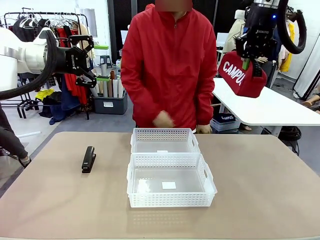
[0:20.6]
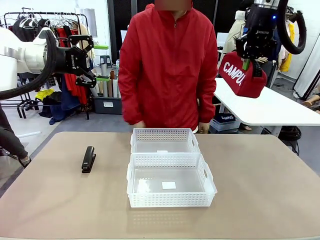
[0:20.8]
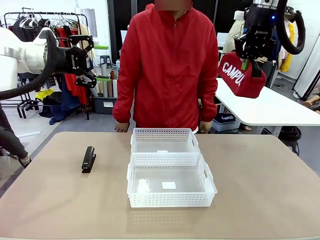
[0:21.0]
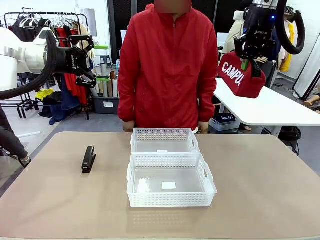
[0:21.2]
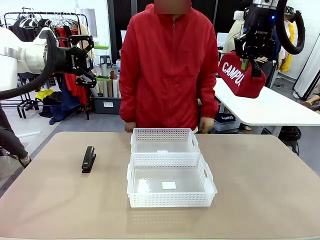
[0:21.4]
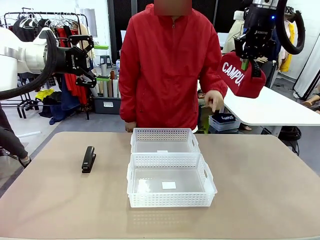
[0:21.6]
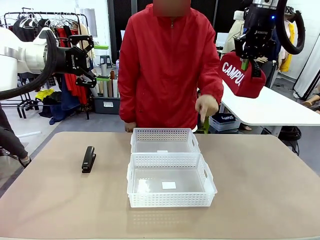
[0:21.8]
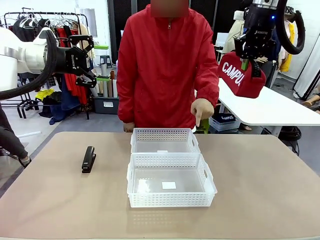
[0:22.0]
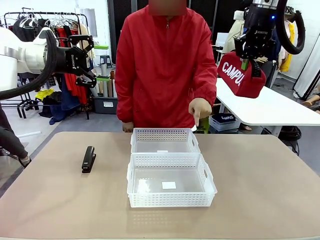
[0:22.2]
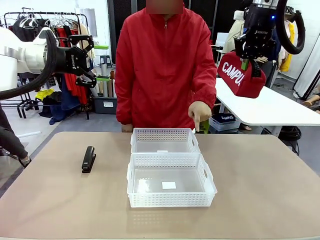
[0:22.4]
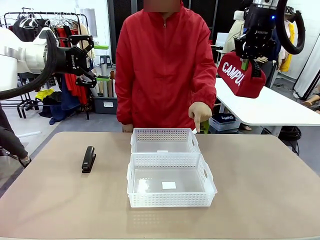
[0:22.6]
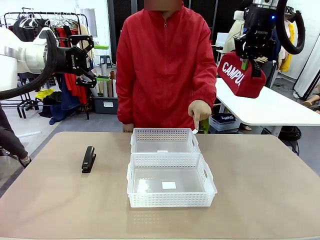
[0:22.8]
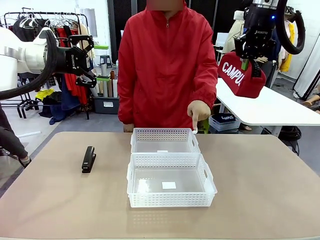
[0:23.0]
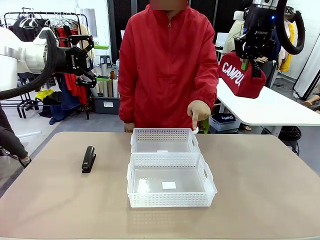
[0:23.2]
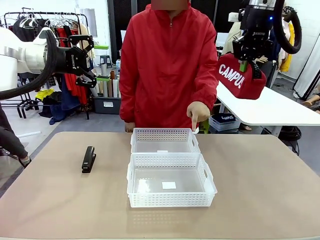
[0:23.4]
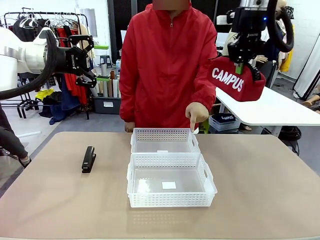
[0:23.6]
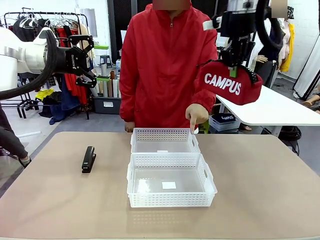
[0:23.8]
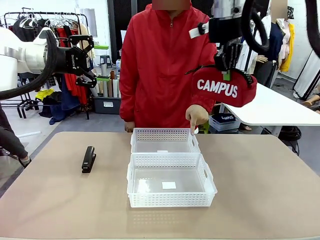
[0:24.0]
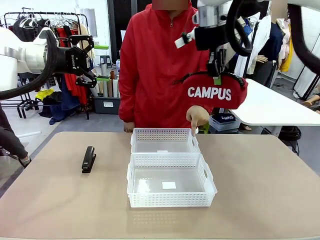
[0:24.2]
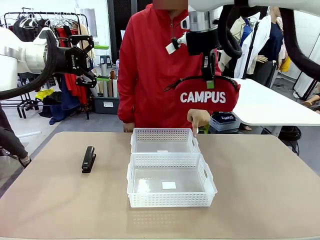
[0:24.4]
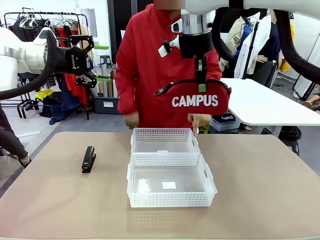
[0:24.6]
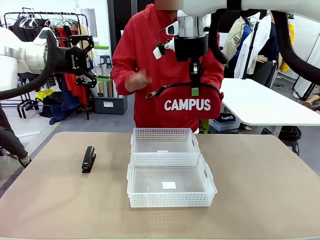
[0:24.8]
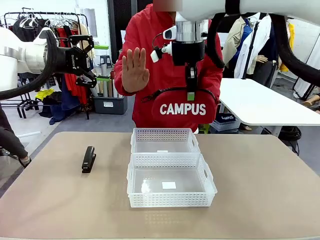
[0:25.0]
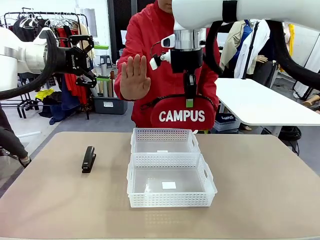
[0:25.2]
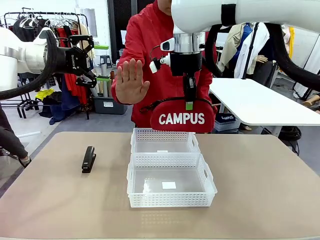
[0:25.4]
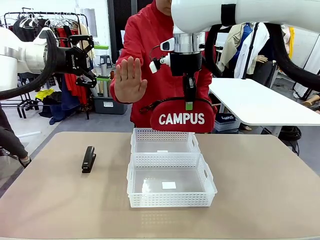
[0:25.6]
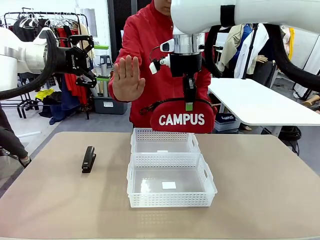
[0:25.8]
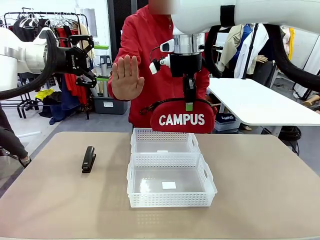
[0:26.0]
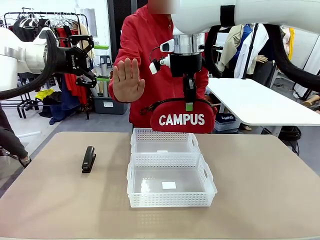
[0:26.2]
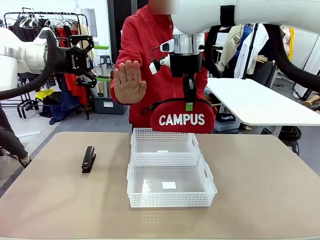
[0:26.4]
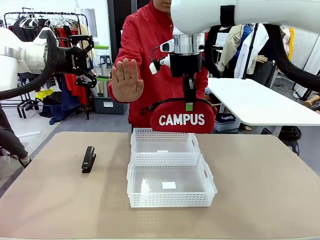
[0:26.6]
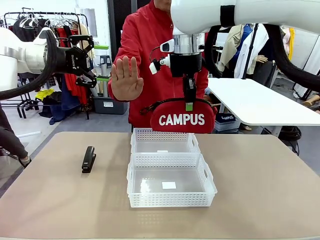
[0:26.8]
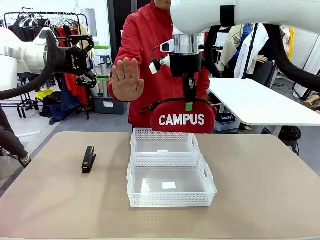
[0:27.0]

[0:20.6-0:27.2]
Task: Distribute items into two baskets.
Robot: Move the picked Pencil pouch towards the Organizing basket indicated by the person, stopping as directed.
Person: Sends a stop gesture before the robot places the pencil case into the basket.

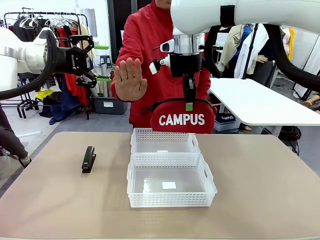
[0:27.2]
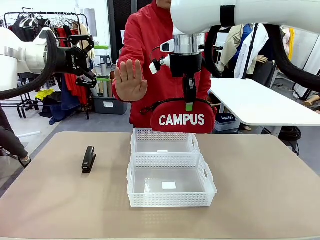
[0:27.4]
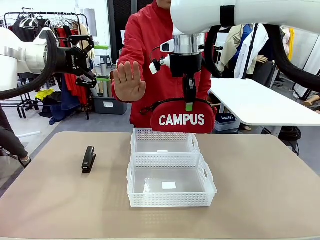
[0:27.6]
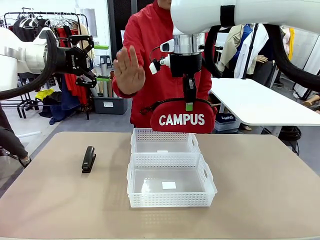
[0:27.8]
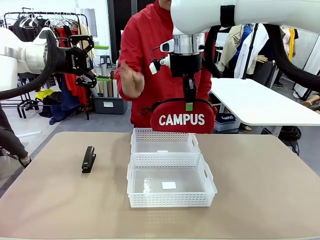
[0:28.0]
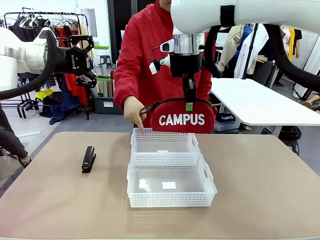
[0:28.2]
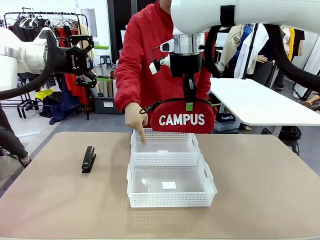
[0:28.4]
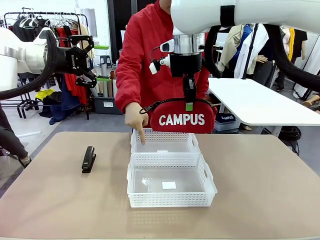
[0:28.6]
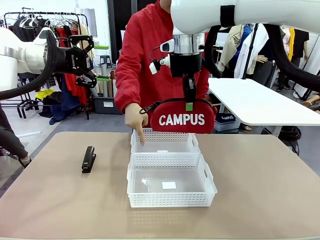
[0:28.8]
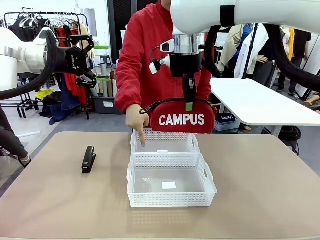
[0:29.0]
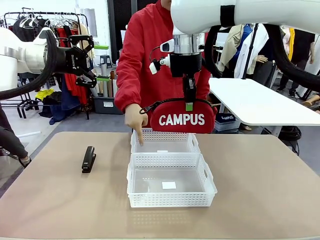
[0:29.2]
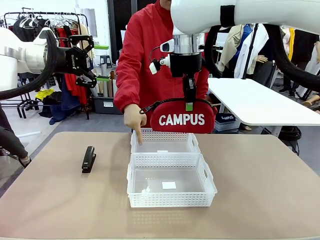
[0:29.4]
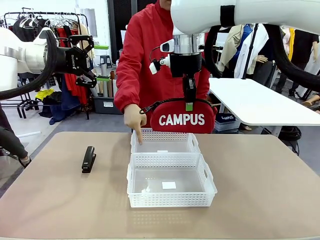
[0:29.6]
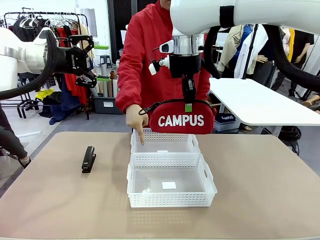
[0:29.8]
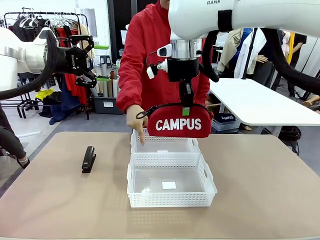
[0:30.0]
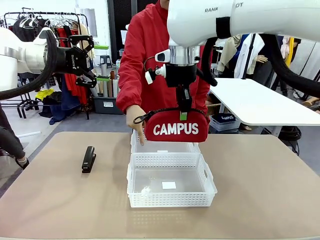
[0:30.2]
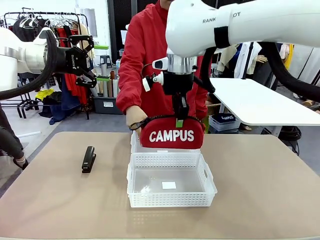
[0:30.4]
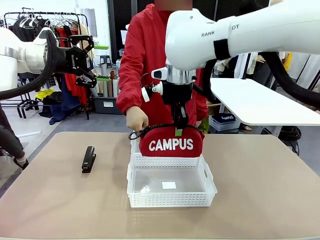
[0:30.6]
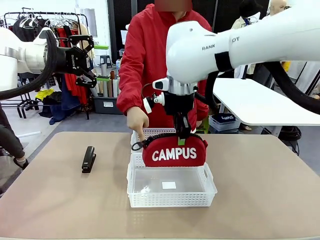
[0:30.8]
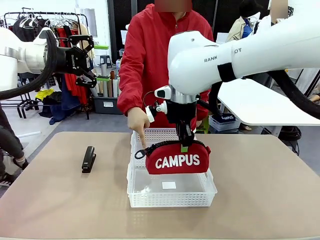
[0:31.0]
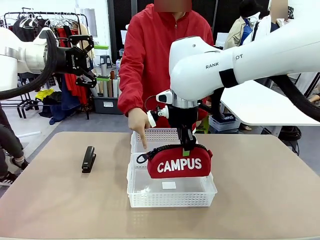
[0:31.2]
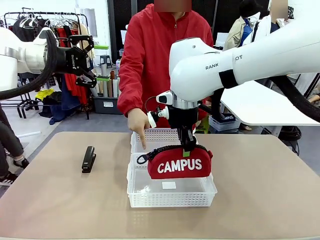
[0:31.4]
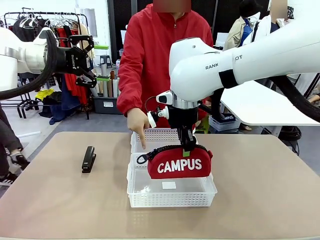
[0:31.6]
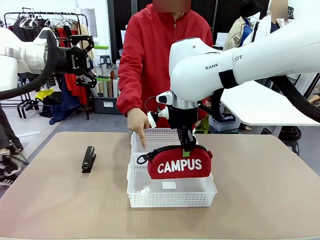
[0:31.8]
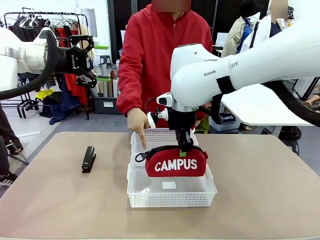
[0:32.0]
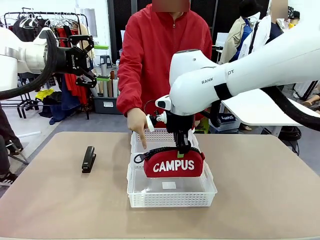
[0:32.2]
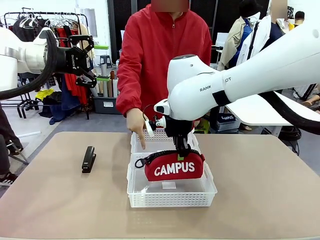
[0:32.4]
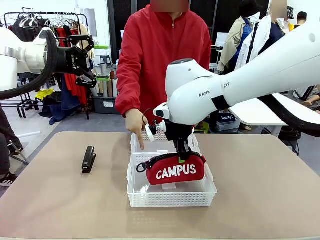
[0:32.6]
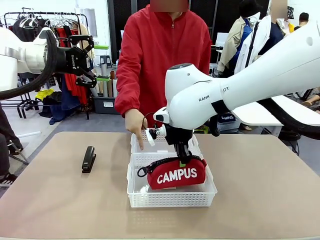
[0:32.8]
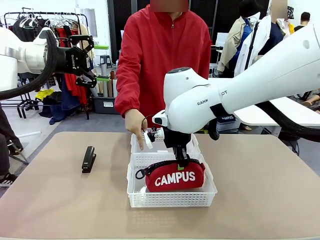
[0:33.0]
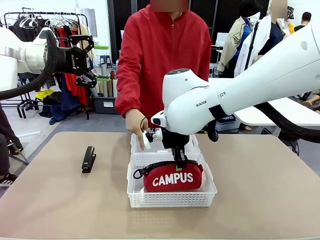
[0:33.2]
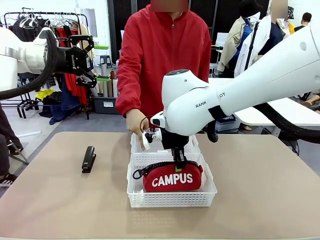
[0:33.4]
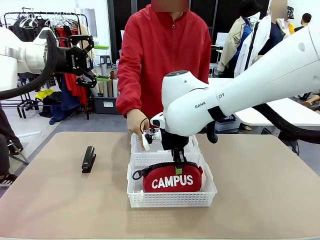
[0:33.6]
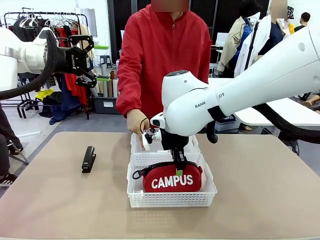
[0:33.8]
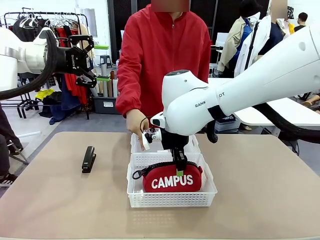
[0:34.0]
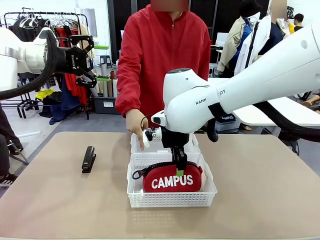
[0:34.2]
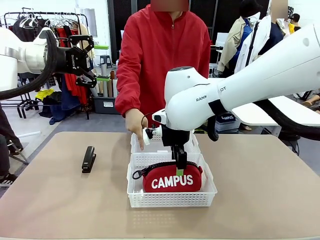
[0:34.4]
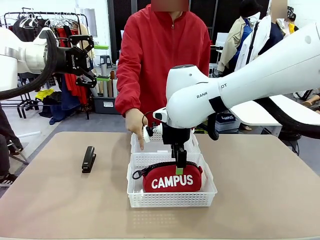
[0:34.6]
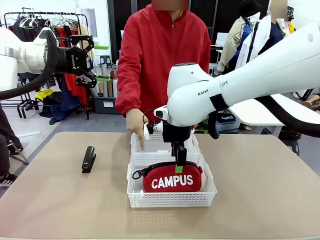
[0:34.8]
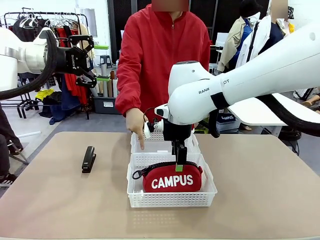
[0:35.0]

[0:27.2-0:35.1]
Robot: Place the picked Pencil pouch into the Organizing basket as instructed by the person.
Person: Instructs the robot to place the pencil case into the opposite basket.
